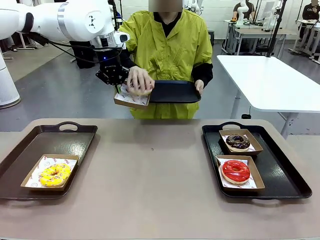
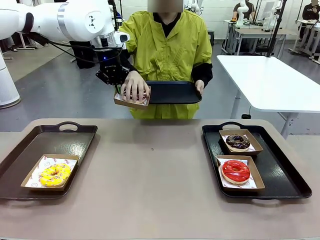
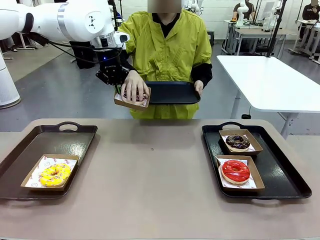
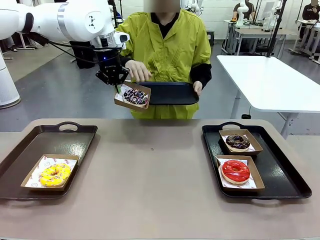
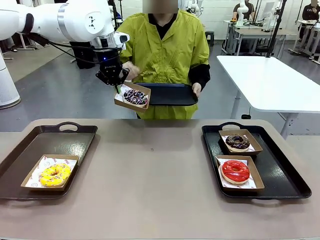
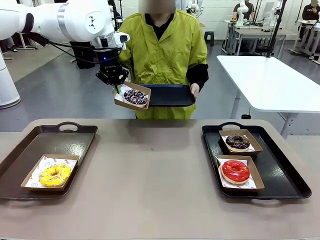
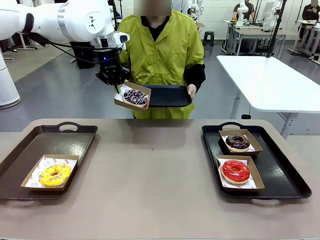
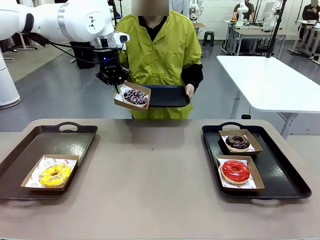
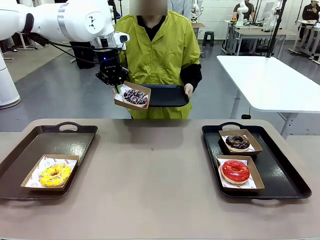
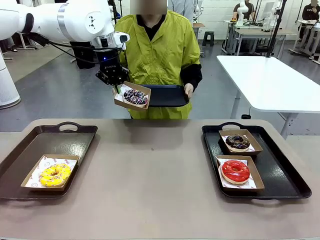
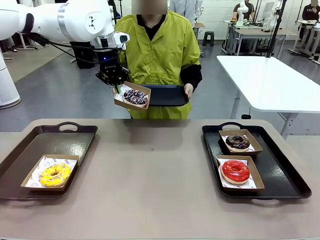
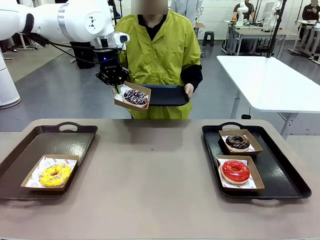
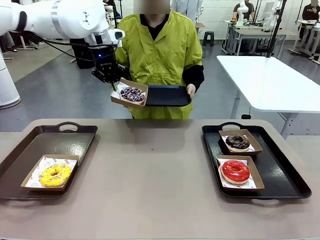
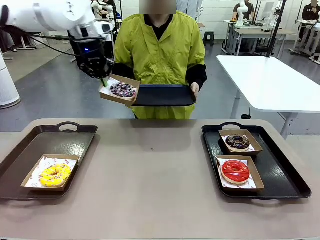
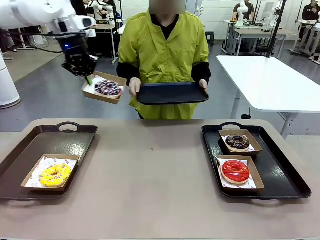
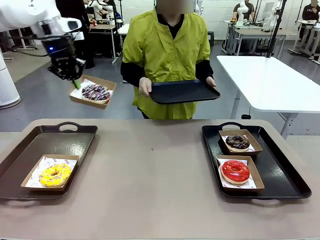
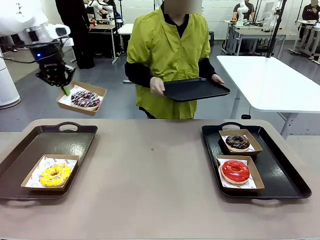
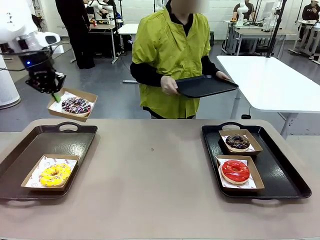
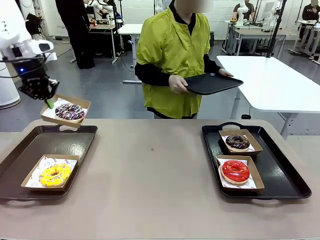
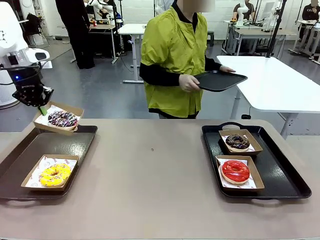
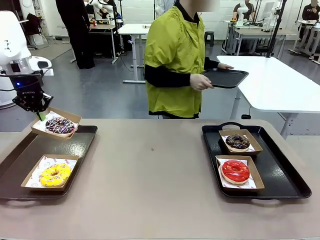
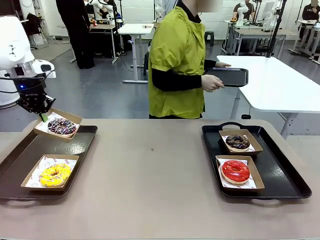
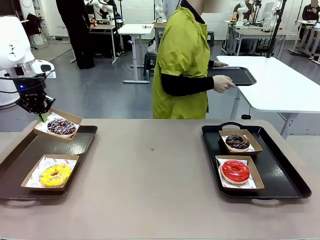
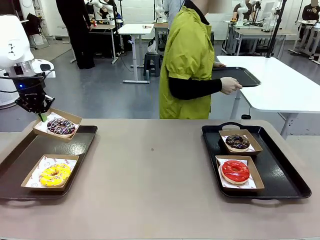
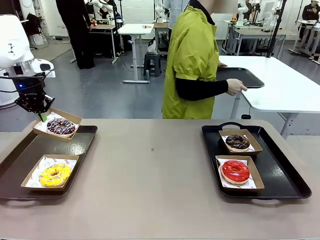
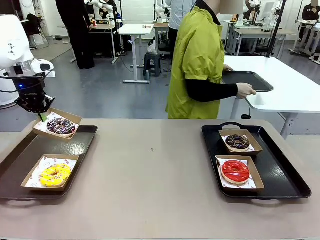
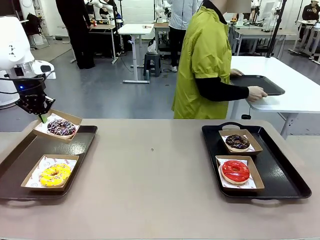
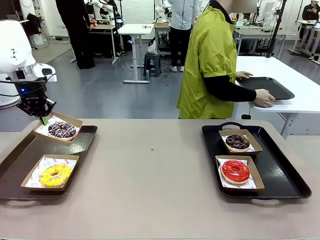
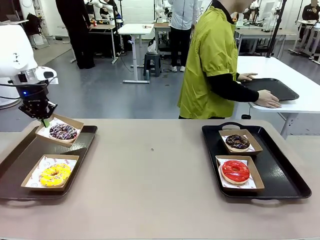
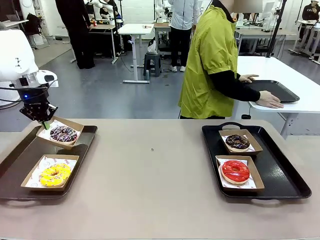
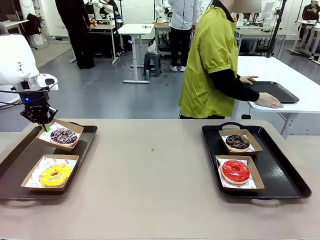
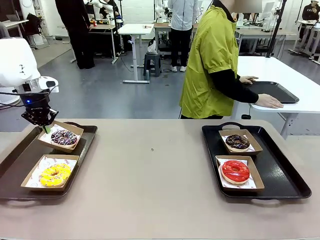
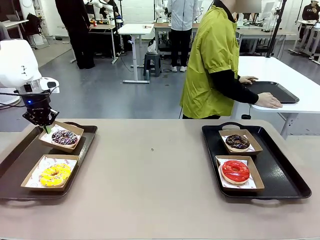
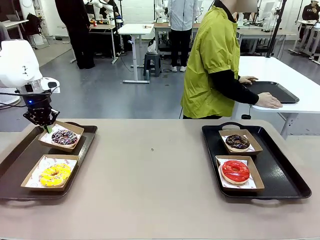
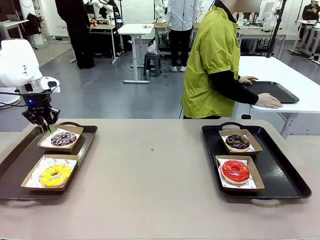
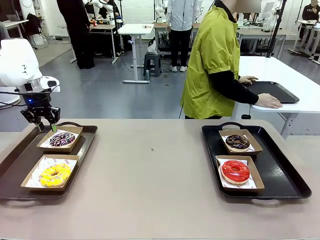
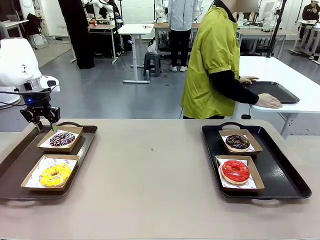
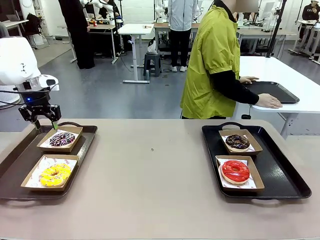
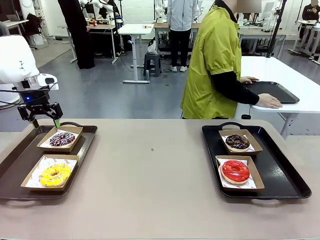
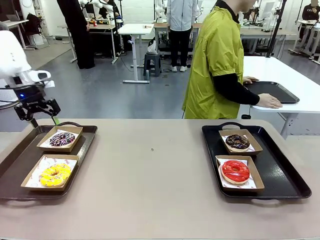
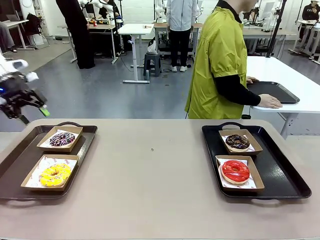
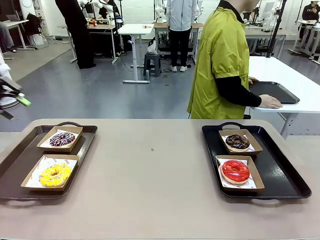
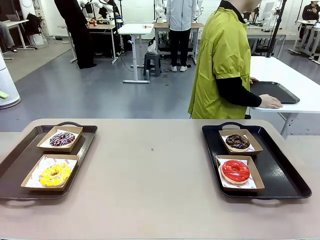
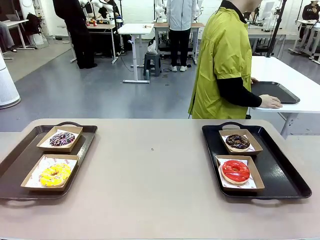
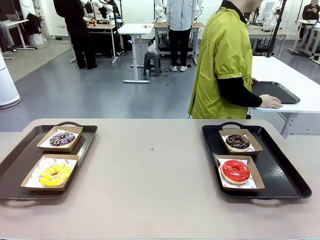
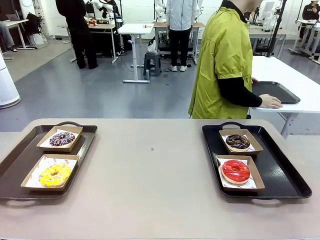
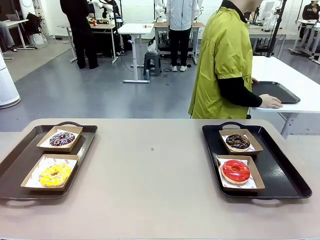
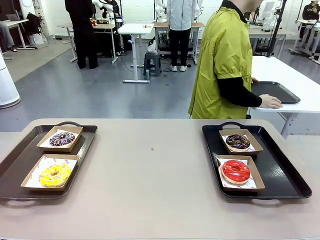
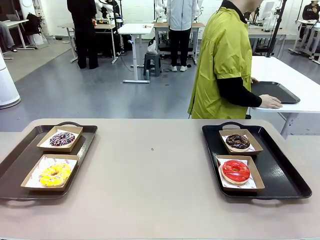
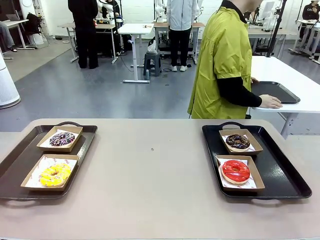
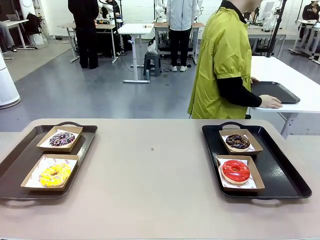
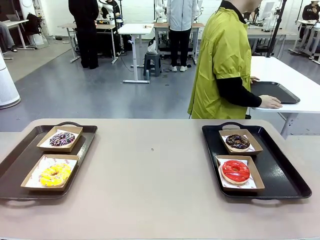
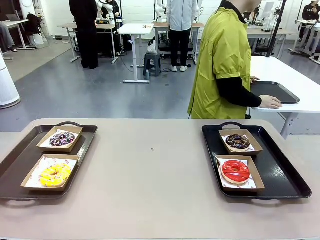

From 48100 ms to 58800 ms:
Task: Individually package the donuts and arrange them on the tray.
Robot: Place the picked Paper togo box on the Handle tray.
Person: Place the tray down in the middle of the human table.

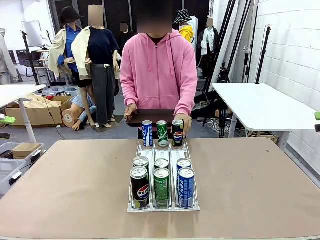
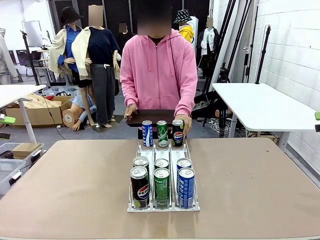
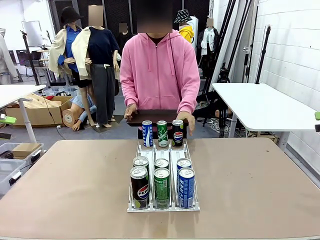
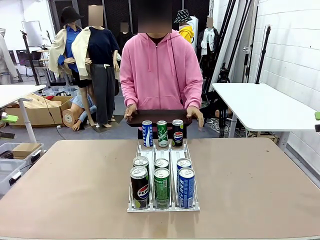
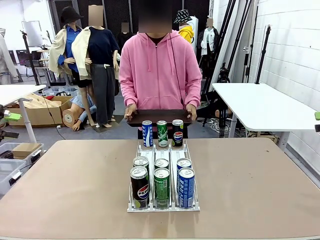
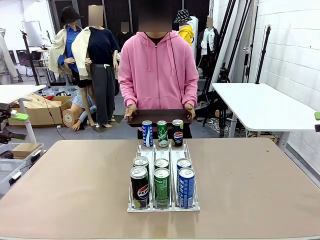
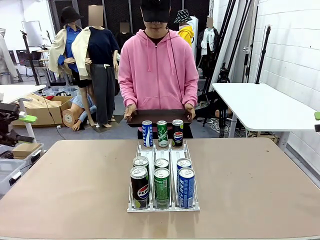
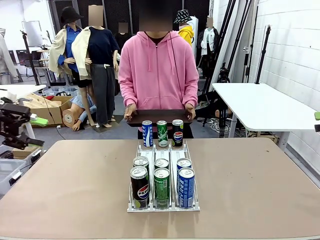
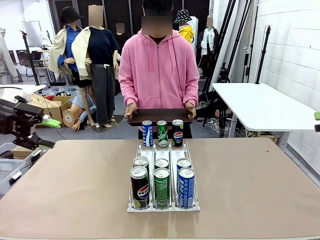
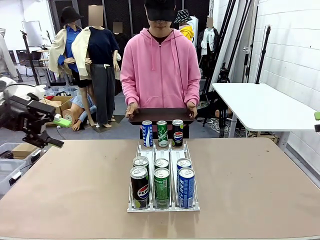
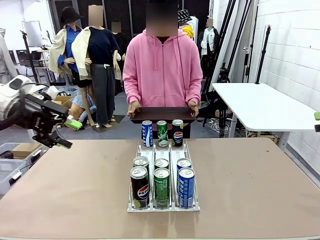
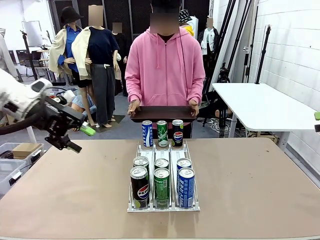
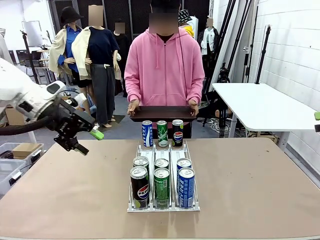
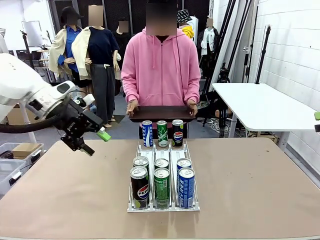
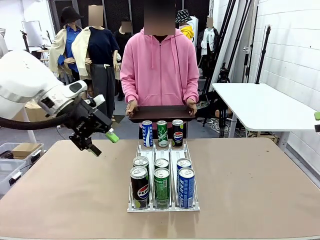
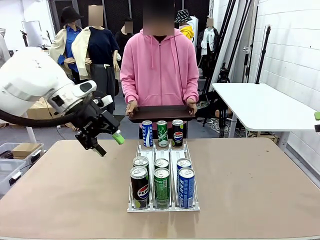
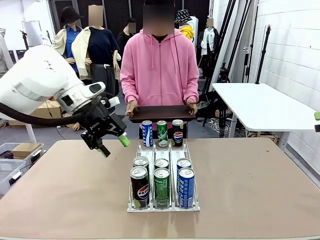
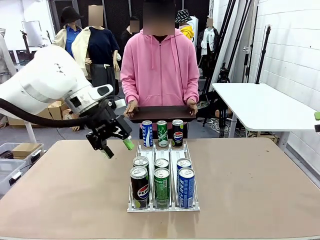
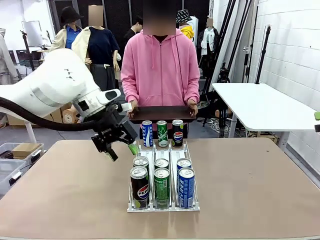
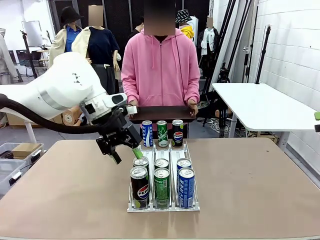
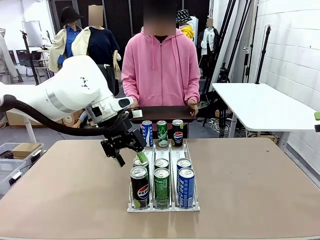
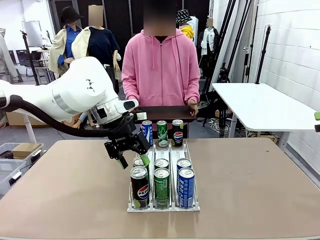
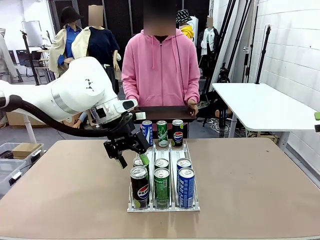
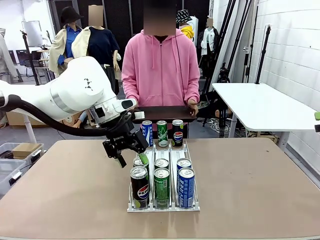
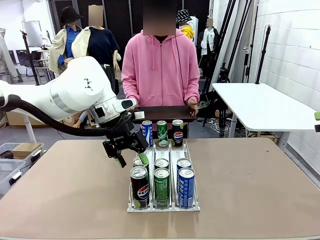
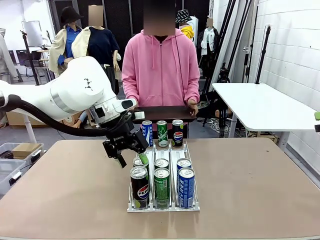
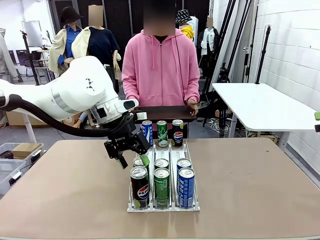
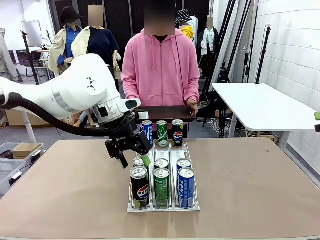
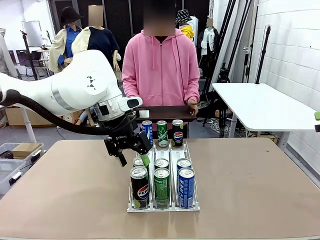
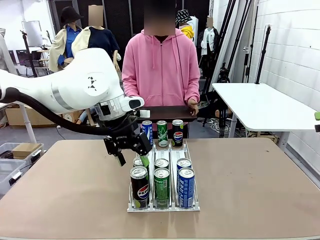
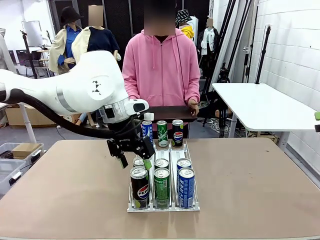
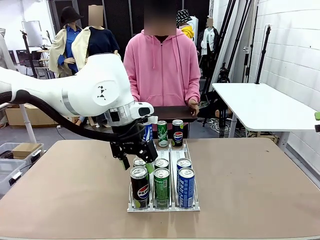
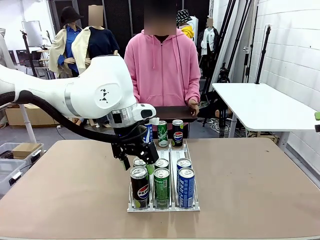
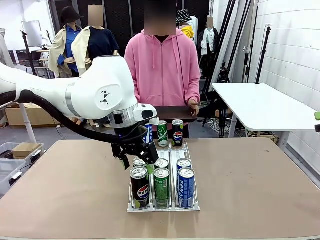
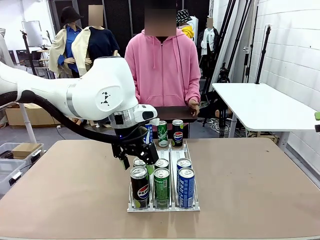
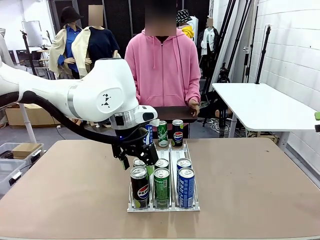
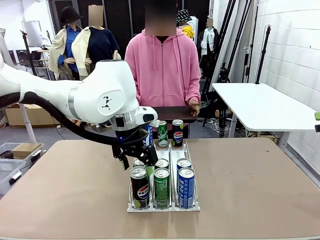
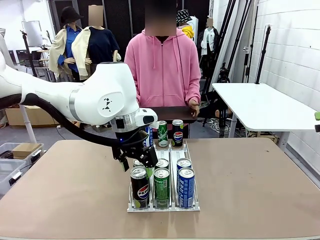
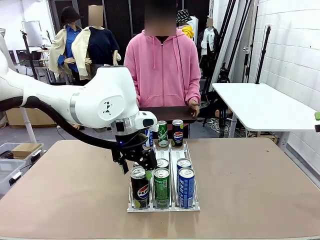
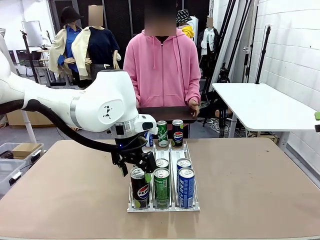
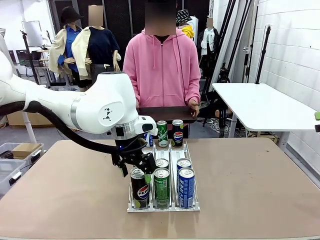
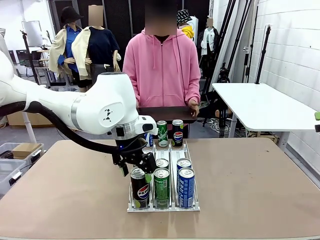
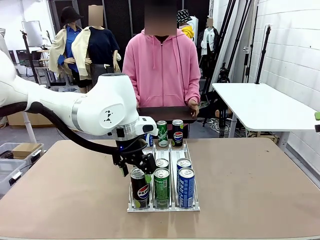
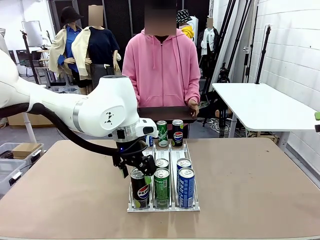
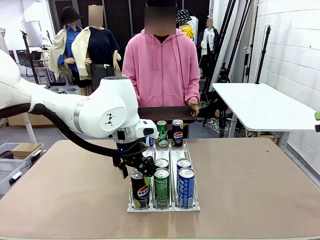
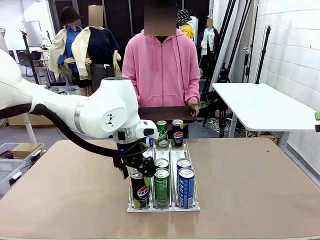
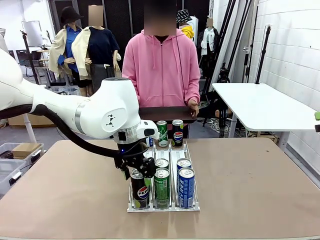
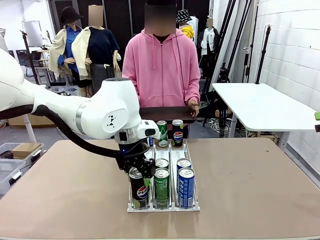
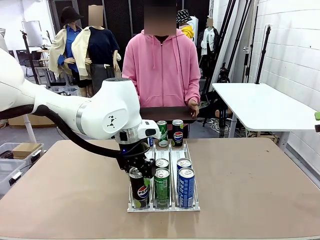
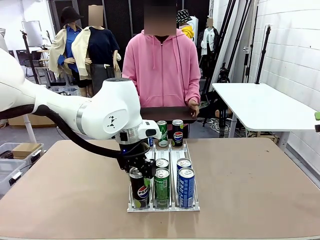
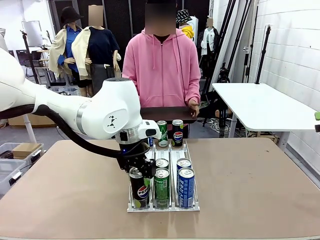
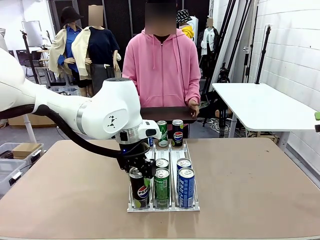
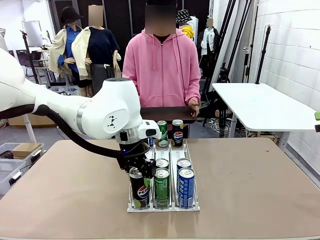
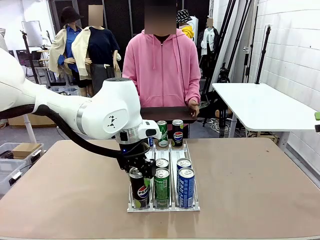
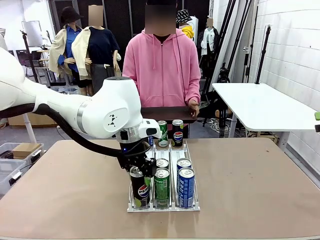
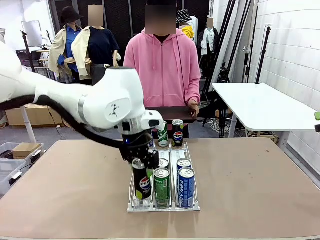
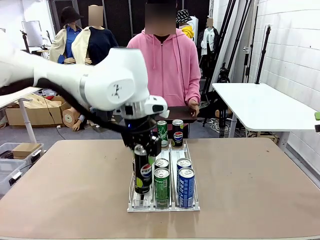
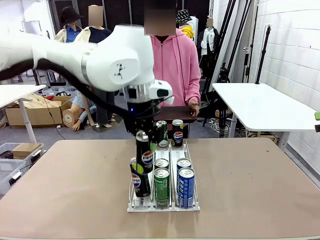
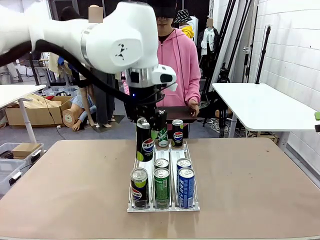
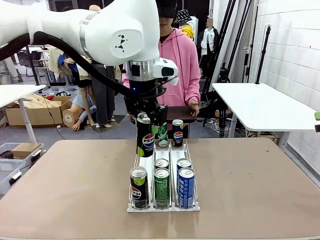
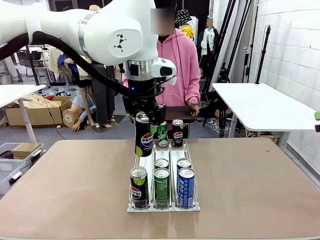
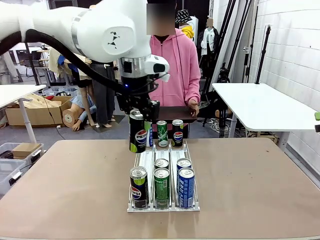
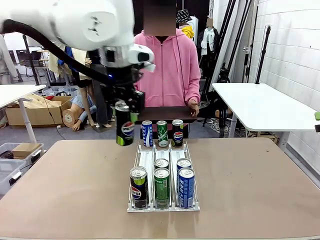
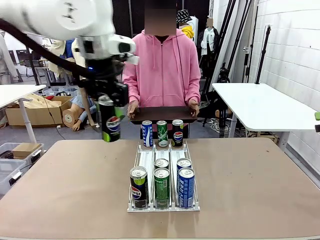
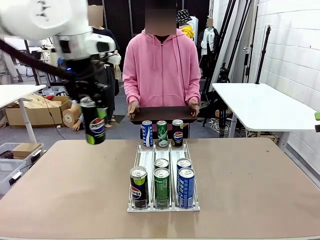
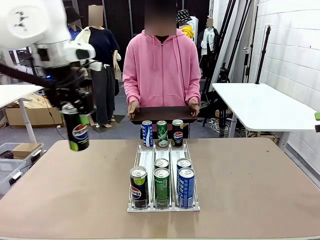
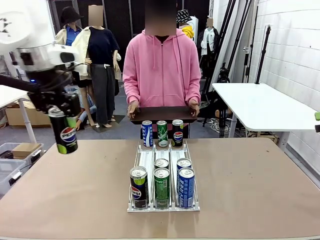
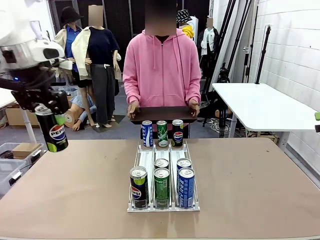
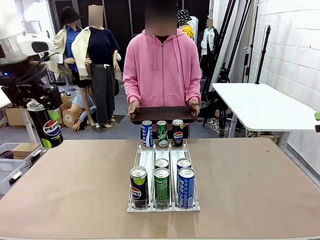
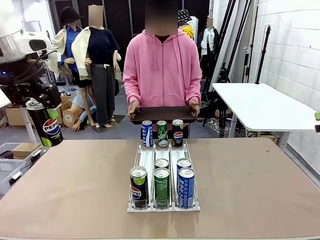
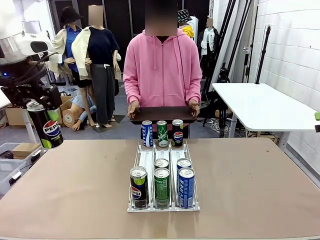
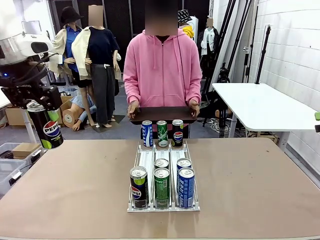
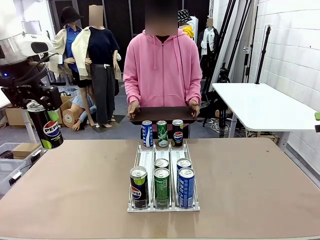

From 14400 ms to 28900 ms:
Task: Retrieve and hand over the desired beverage to the person.
Robot: Pick up a can of the same type that the person held from the Automatic Can Dispenser.
Person: Push the tray toward the robot.
